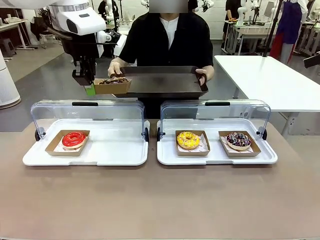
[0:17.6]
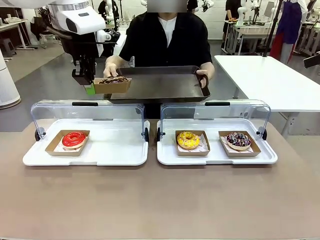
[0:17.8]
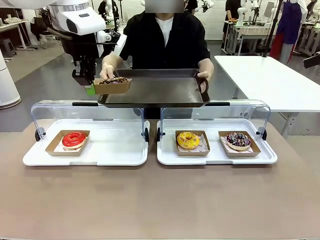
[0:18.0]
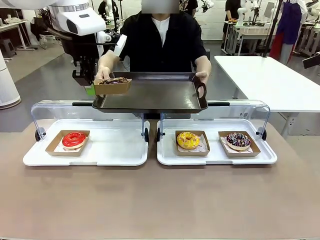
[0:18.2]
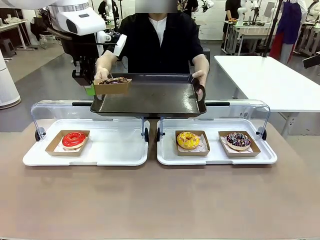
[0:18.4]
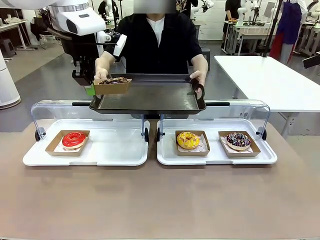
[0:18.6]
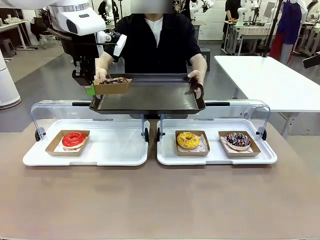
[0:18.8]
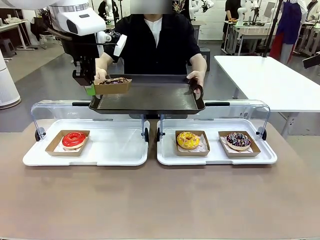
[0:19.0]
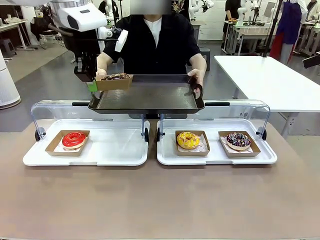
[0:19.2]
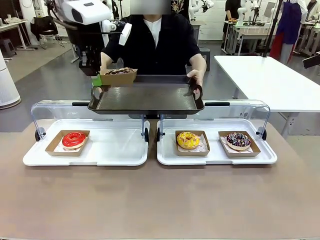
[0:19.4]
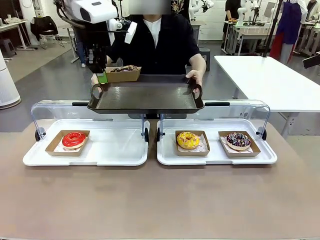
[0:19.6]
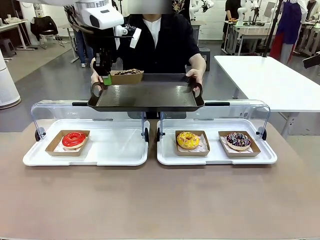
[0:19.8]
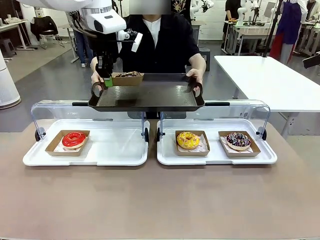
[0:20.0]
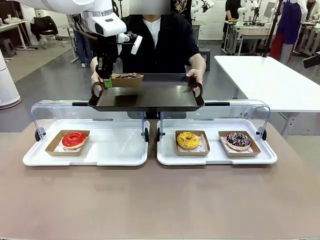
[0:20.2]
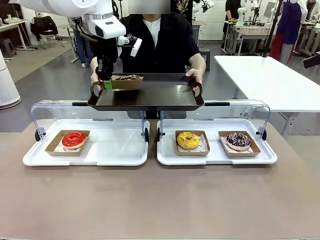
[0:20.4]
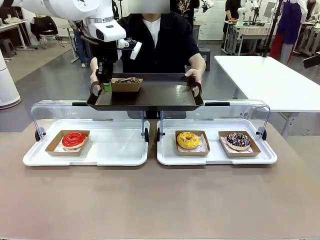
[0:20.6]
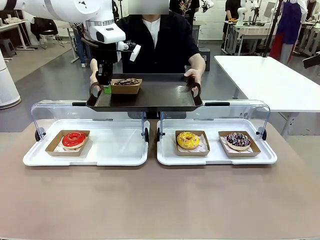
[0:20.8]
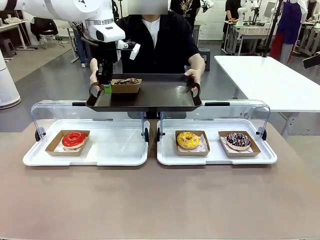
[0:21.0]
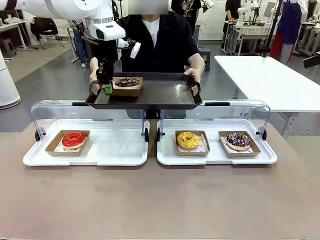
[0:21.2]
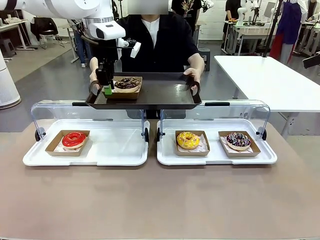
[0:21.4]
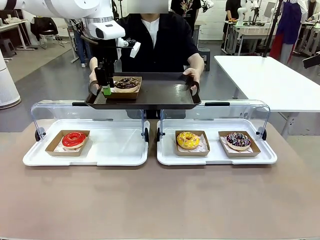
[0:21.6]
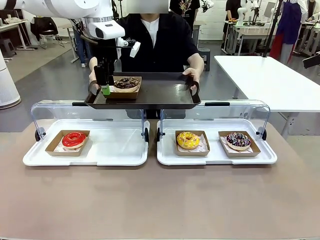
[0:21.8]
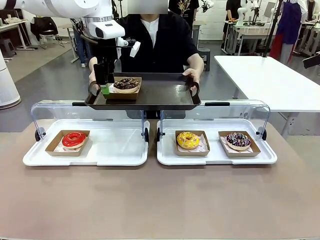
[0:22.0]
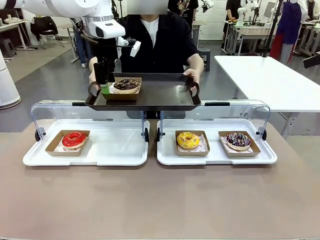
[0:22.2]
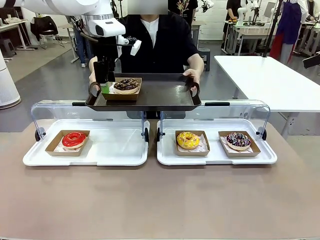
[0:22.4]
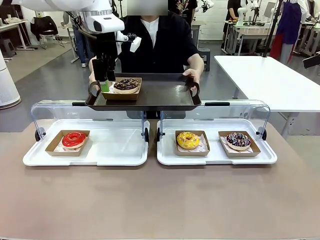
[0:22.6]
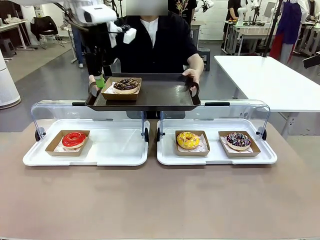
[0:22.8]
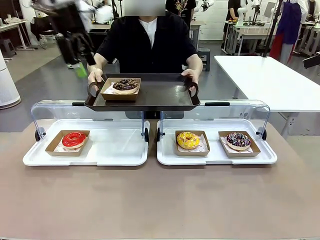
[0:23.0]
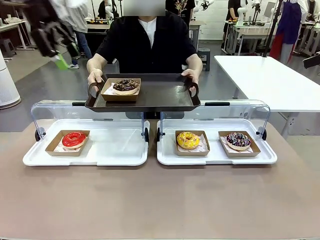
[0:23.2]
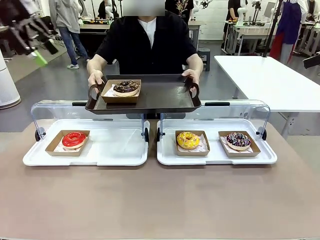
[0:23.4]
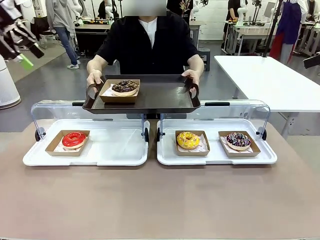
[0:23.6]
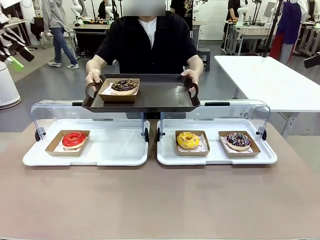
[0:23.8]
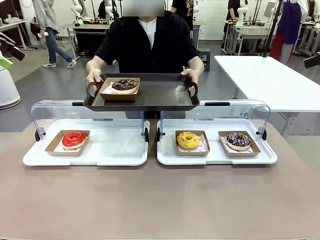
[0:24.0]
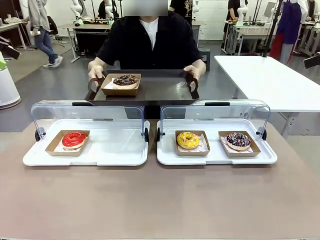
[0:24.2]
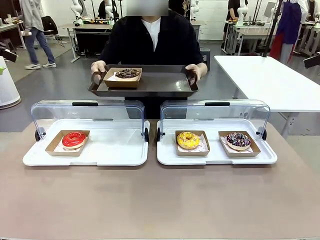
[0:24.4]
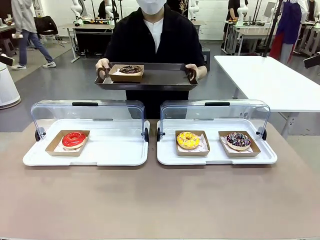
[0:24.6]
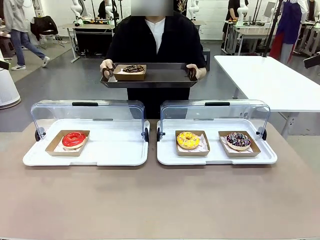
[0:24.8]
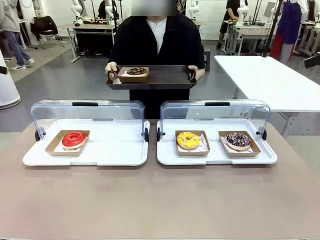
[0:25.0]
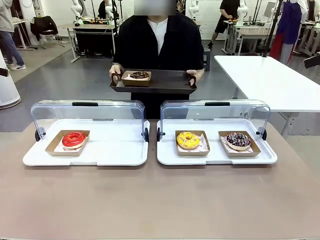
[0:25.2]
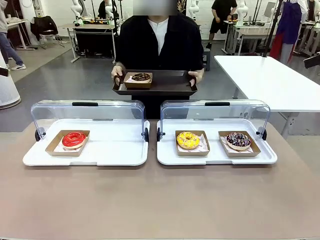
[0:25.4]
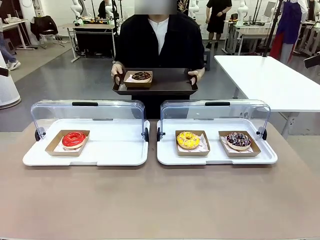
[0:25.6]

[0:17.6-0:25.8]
Task: Provide the desired donut to the person.
Robot: Place the picked Paper togo box onto the Handle tray extended by the person.
Person: Point to one donut.

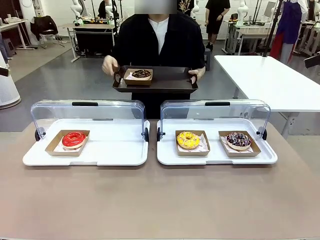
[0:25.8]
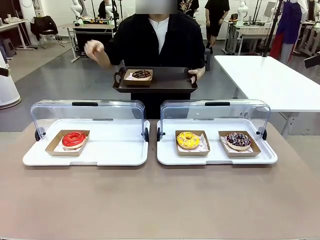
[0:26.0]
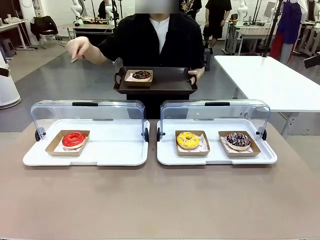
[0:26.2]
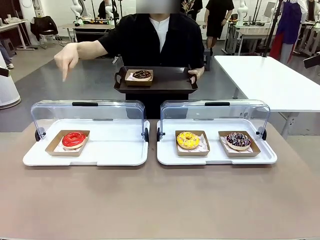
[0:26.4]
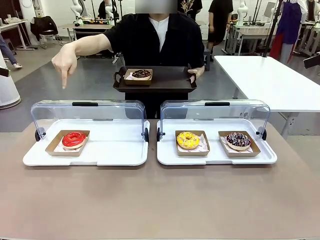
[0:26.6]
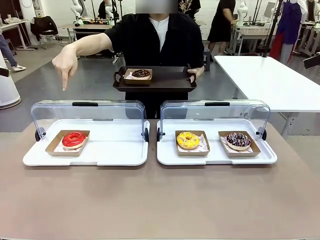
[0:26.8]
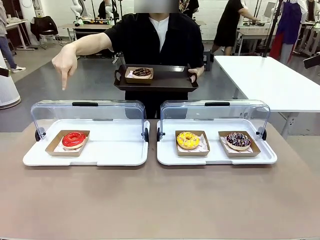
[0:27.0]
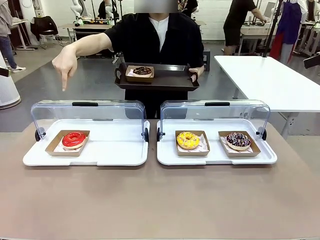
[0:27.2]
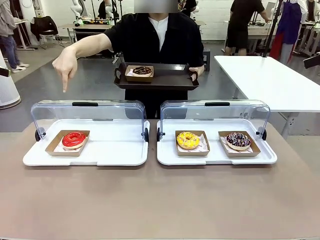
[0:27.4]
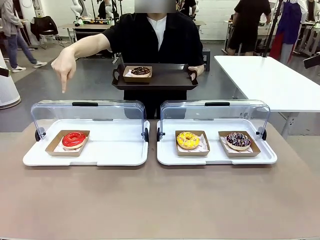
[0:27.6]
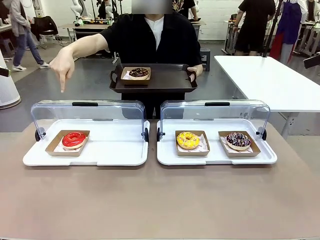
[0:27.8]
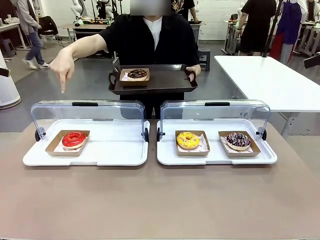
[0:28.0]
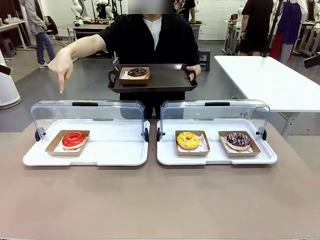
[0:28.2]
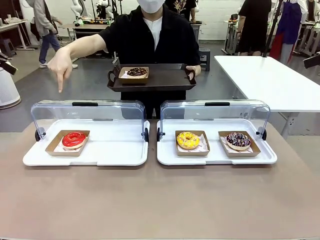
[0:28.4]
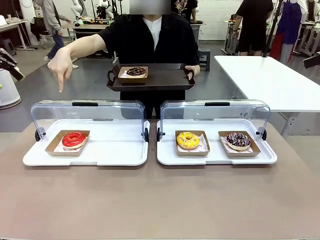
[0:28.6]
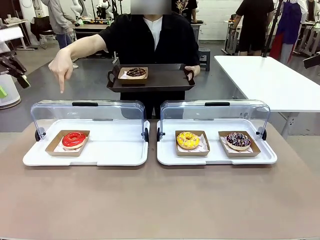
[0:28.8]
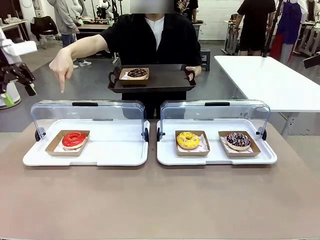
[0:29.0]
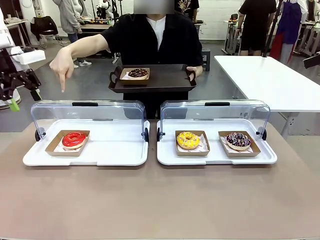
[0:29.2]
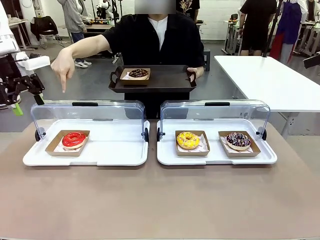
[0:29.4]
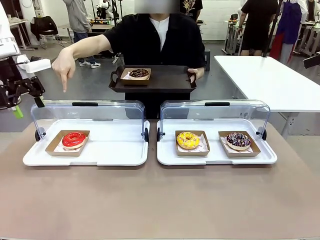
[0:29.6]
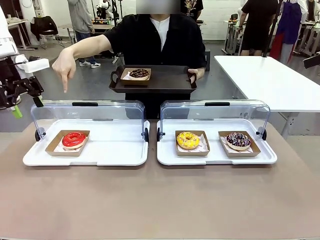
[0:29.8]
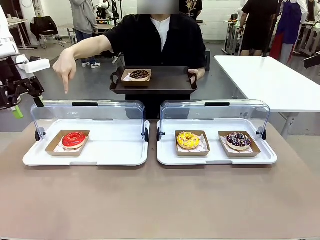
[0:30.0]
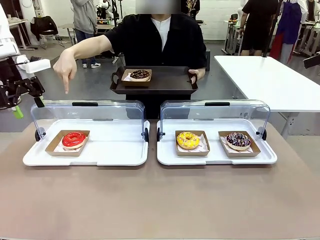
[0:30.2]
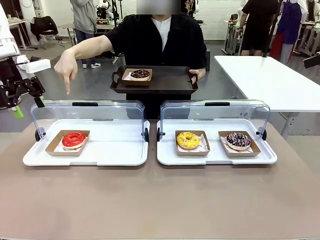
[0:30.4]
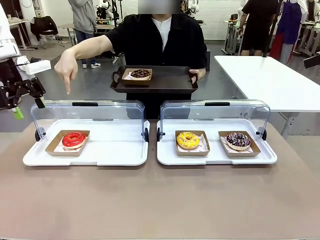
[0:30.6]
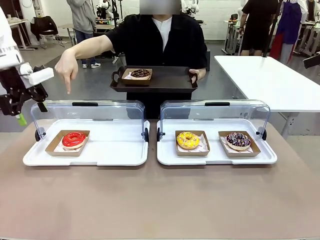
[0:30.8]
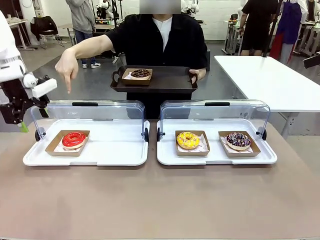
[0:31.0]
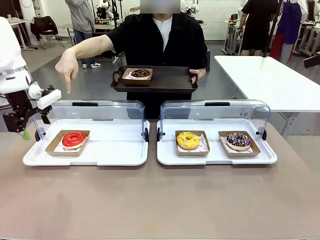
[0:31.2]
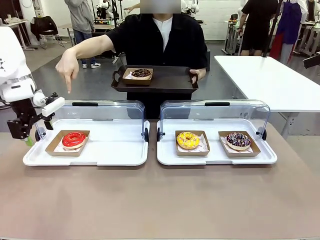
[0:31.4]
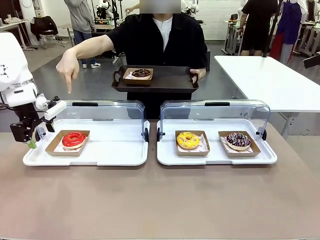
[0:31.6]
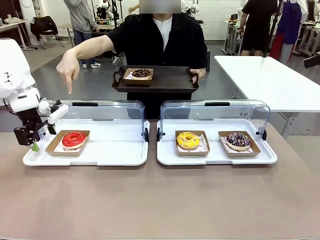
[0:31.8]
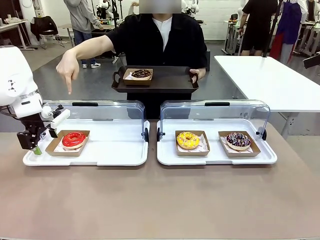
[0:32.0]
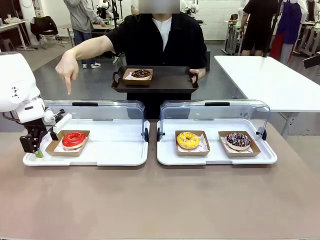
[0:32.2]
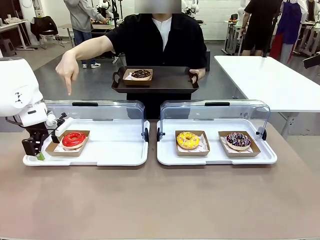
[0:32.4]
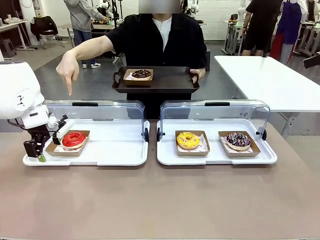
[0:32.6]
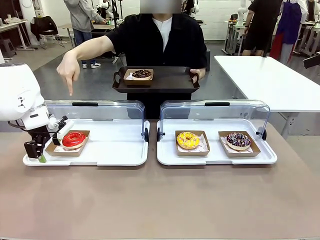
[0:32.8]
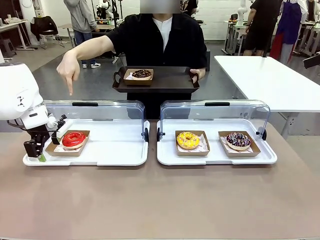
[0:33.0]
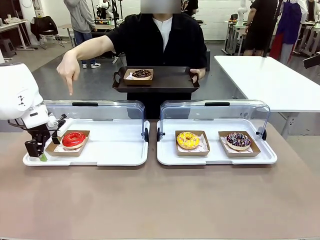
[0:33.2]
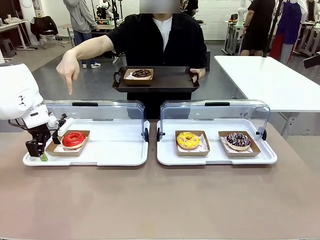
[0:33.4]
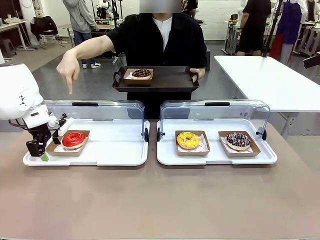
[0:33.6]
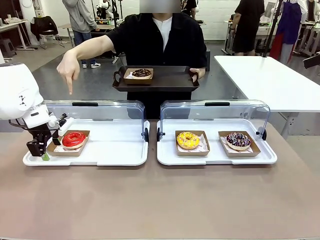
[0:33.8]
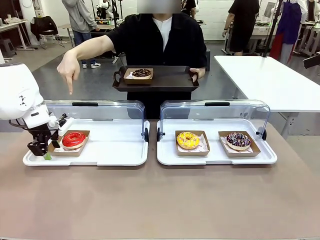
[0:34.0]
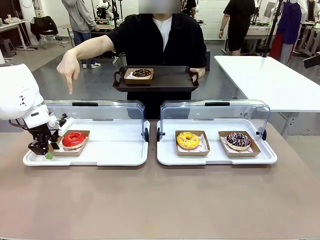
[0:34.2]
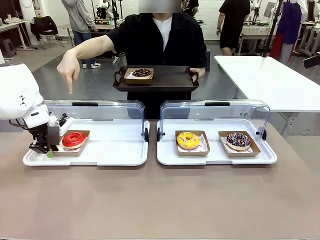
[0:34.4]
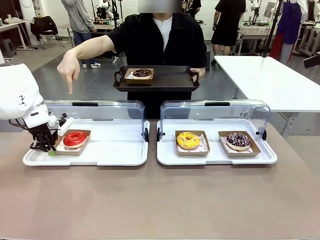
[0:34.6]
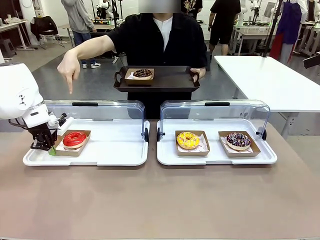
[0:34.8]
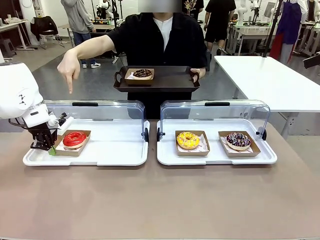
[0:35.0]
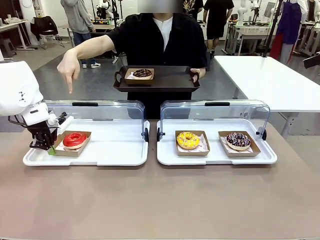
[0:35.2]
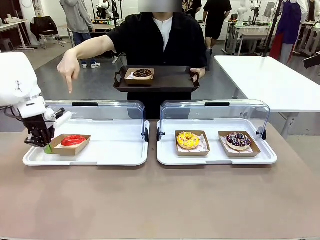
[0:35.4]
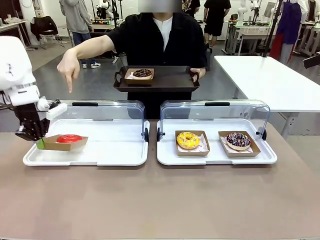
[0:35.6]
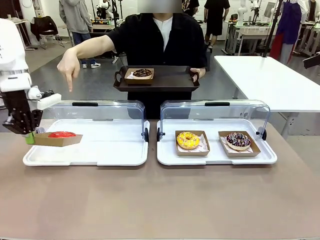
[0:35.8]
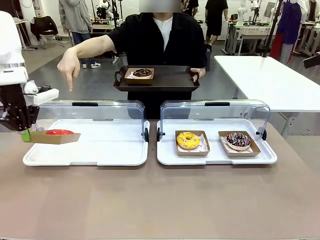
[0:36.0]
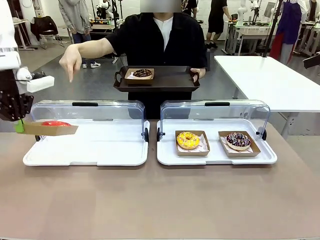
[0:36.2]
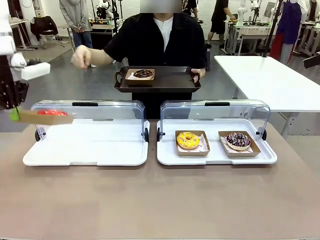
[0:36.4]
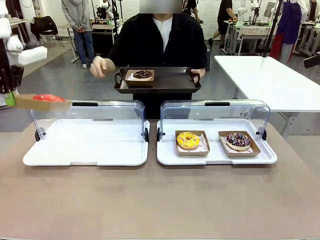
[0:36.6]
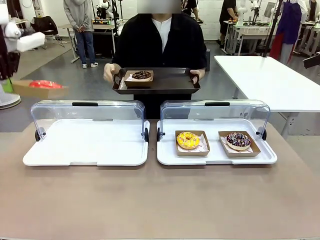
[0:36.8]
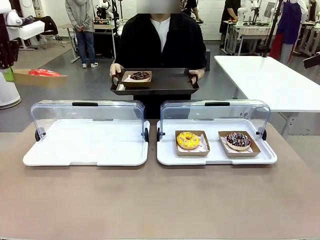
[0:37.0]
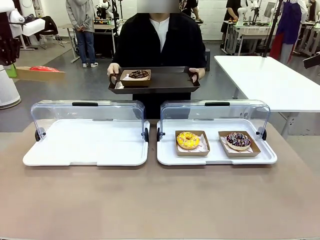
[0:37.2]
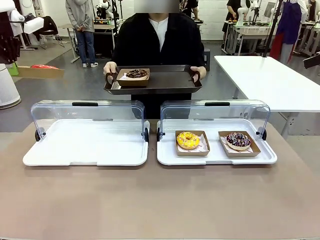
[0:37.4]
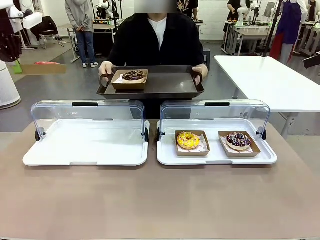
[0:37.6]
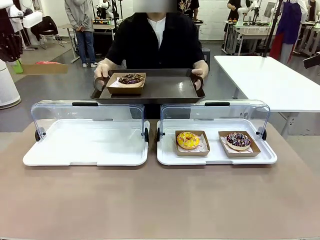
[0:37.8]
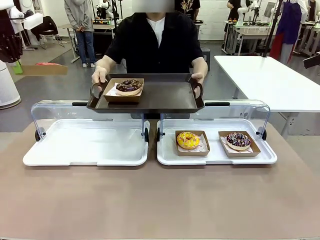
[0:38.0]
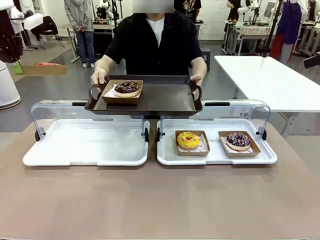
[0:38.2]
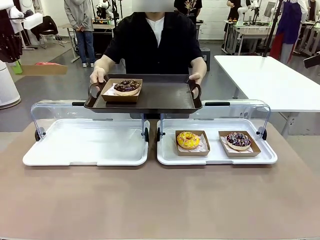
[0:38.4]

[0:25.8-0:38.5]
Robot: Pick up and lift the Paper togo box containing the Donut pointed at by the person.
Person: Lift the tray onto the Roll-Top Bakery Case.
